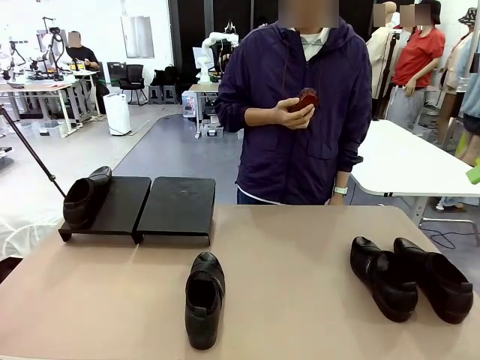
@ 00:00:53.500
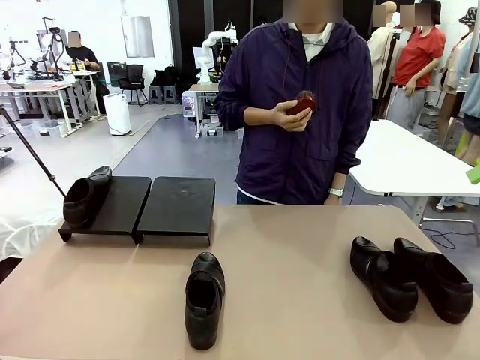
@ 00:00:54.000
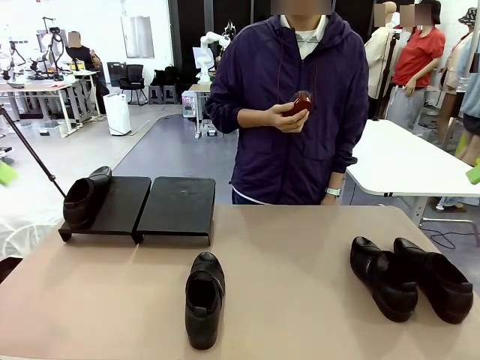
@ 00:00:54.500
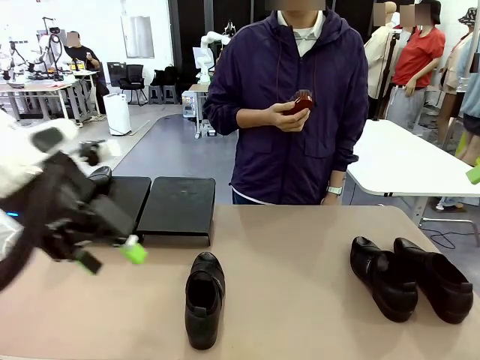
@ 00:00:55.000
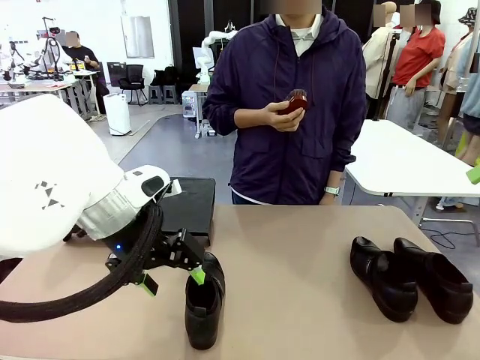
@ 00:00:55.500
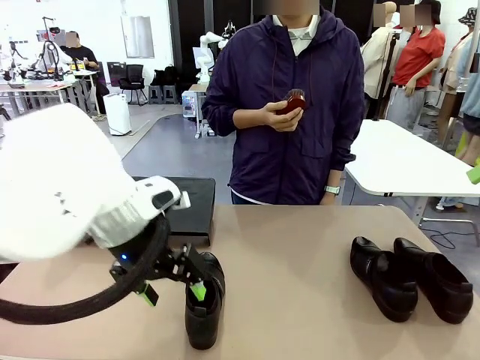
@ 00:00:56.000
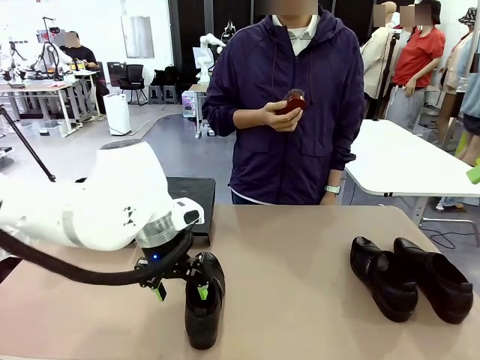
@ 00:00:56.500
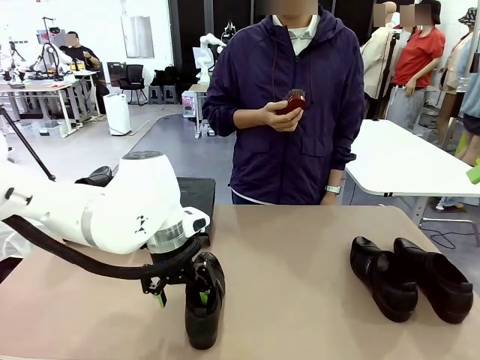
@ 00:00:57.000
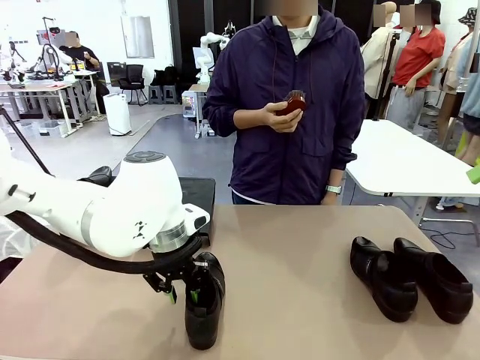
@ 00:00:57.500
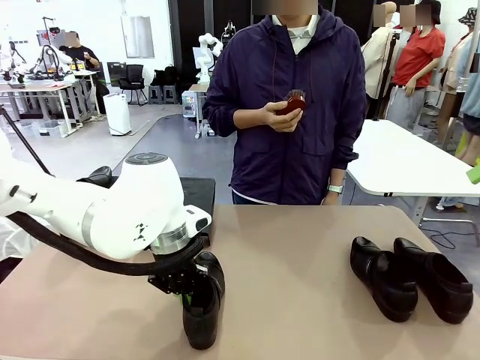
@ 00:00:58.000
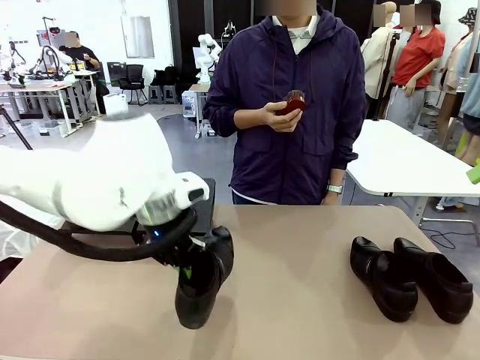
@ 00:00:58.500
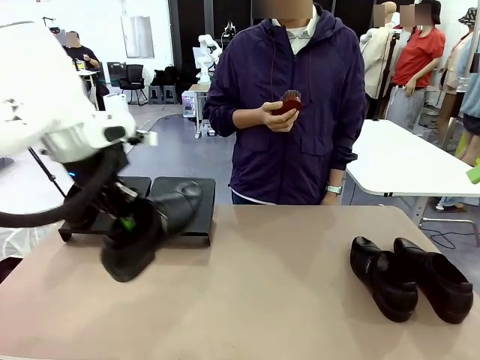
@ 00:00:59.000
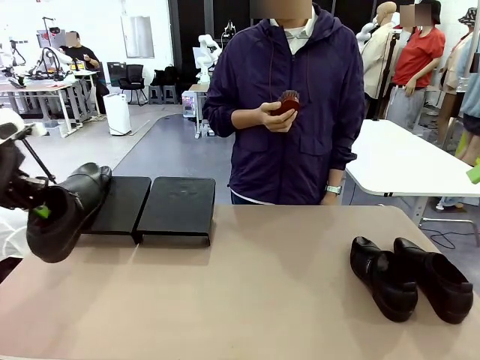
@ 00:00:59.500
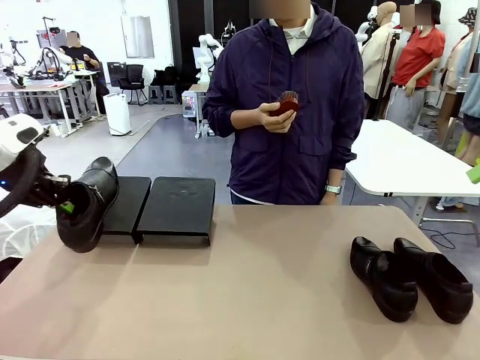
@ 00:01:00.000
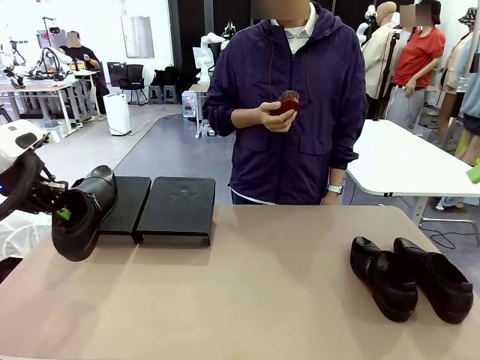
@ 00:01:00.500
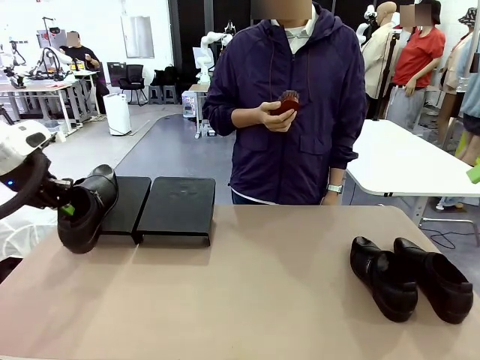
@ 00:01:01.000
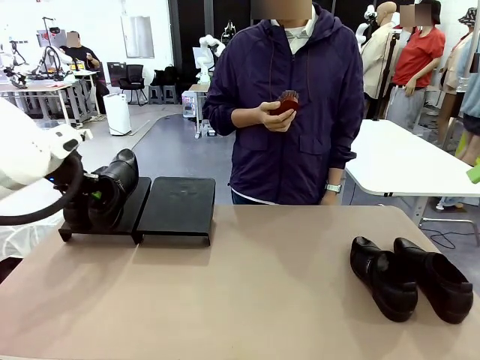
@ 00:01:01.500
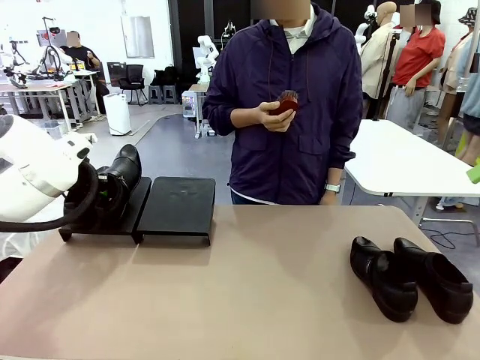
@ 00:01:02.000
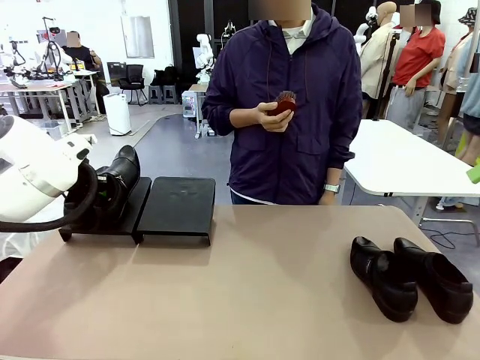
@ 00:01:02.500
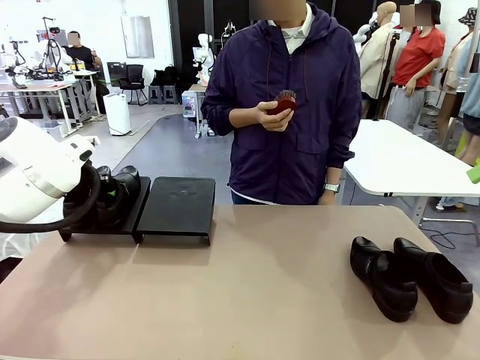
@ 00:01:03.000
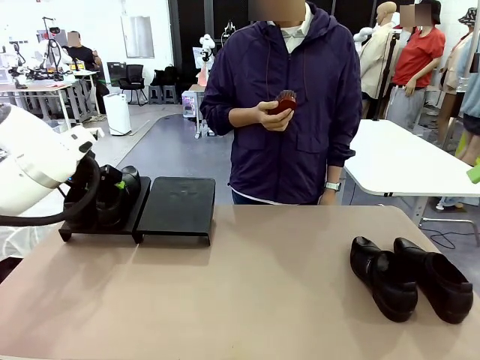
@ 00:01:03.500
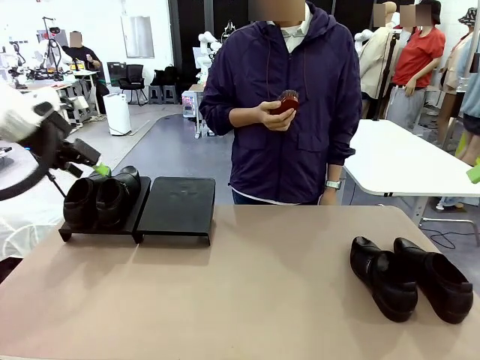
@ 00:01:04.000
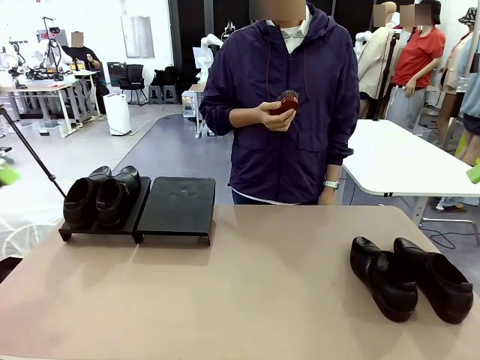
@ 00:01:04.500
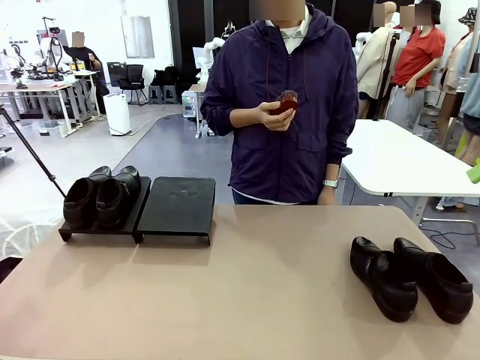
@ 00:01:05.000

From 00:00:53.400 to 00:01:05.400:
Task: Organize the shoes by placing them on the stand.
Robot: Place the Shoe from the middle of the table onto the Shoes Stand.

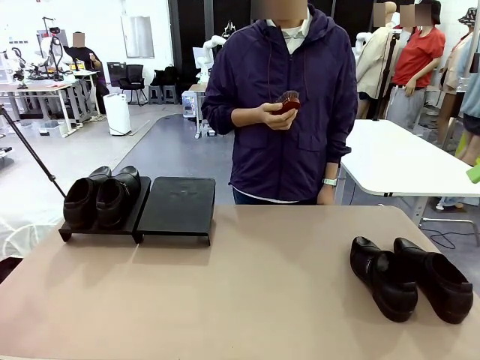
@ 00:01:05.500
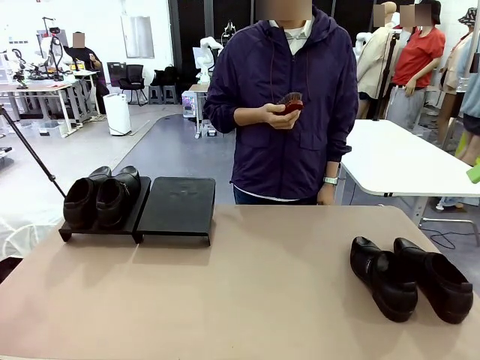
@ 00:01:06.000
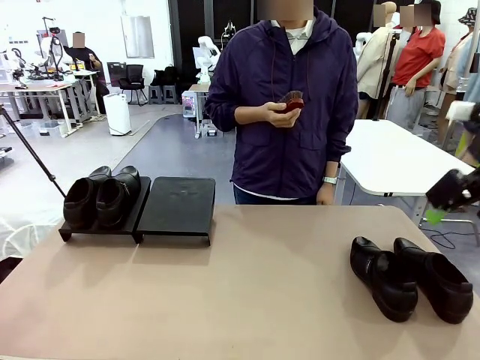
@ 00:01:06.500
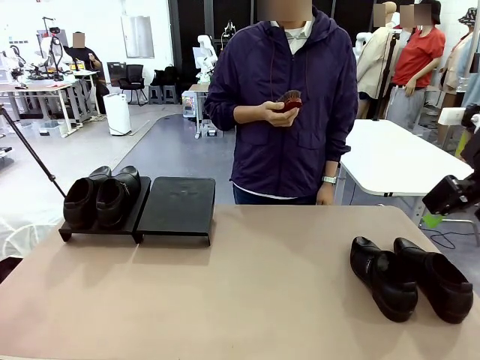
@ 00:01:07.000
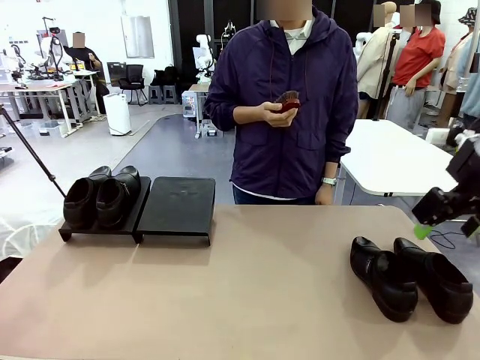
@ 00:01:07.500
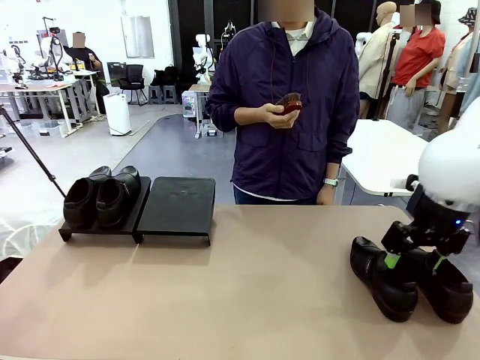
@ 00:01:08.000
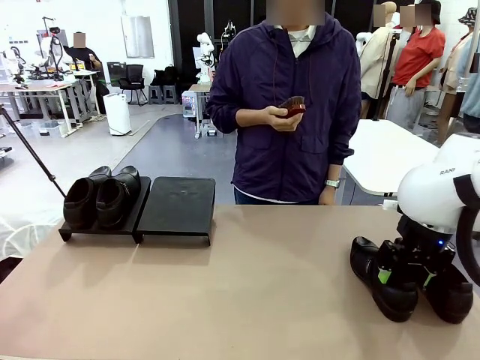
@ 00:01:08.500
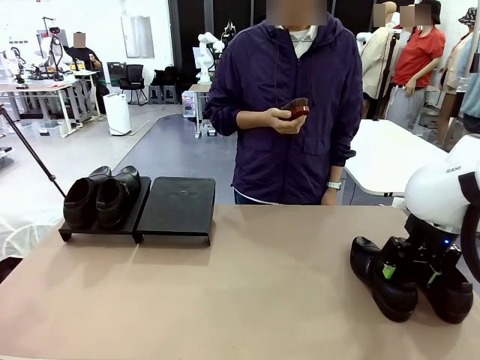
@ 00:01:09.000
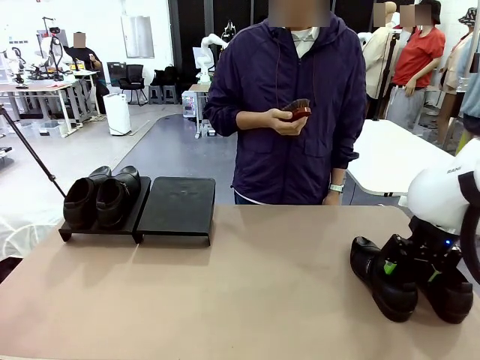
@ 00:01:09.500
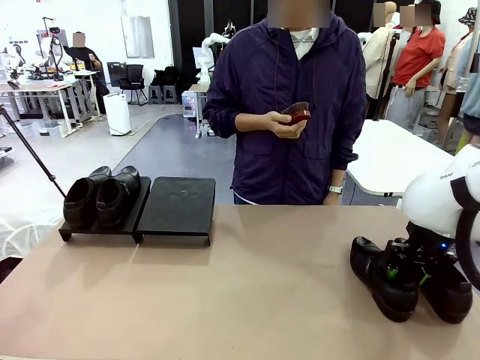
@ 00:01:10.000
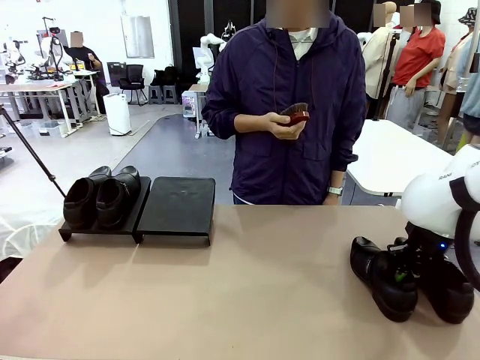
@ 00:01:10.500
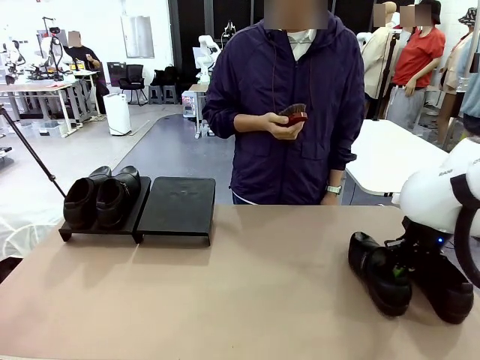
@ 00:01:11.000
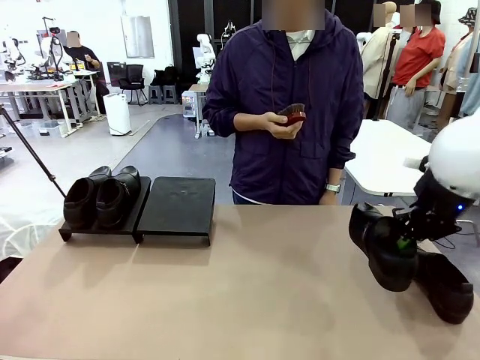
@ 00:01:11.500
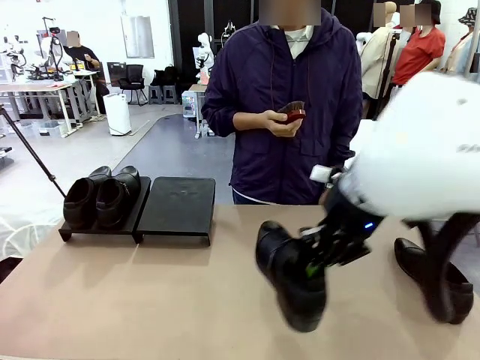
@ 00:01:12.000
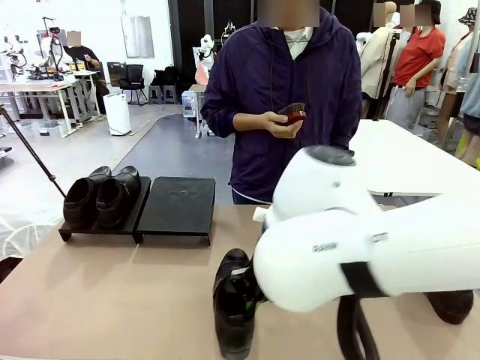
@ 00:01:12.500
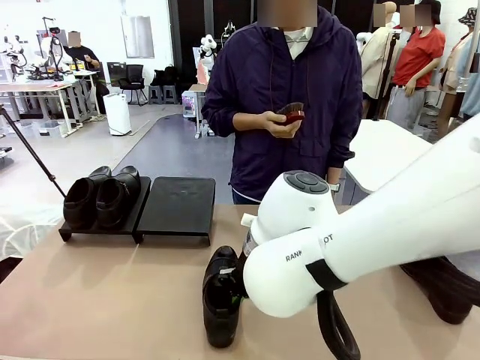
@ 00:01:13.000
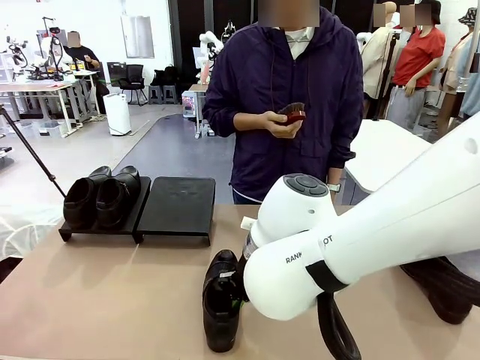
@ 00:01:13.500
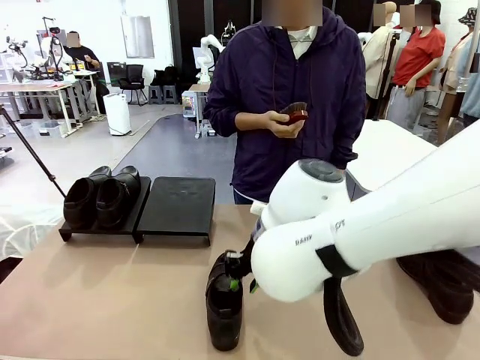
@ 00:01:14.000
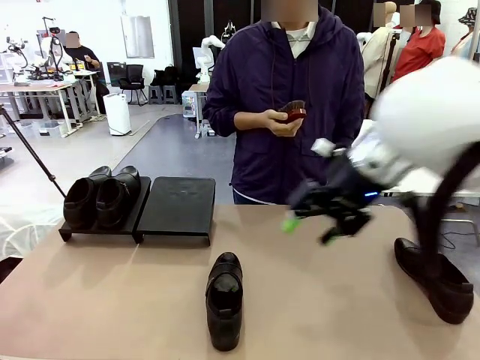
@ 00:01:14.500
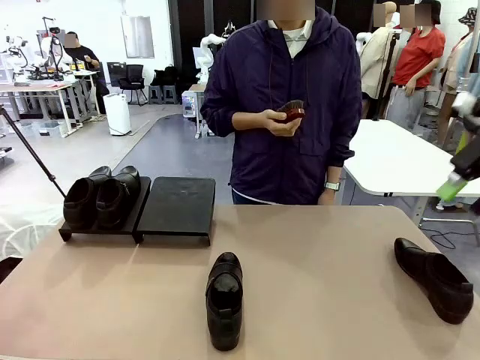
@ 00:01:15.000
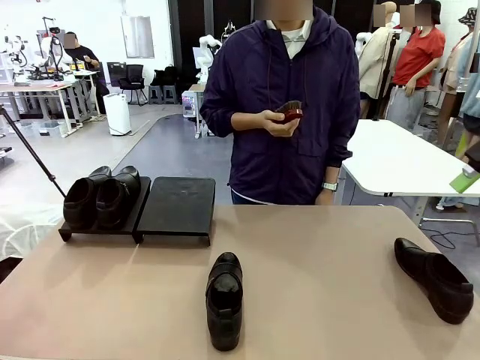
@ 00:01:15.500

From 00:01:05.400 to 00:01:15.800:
Robot: Pick up one Shoe and place it in the middle of the table.
